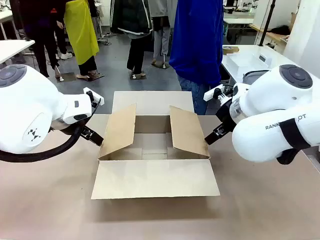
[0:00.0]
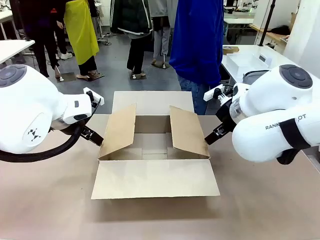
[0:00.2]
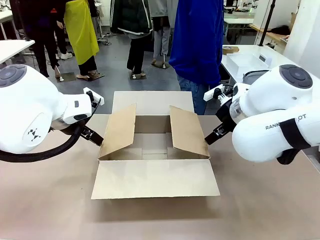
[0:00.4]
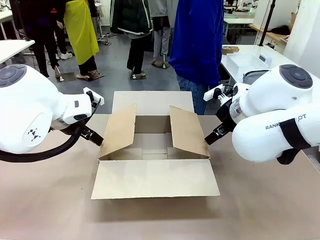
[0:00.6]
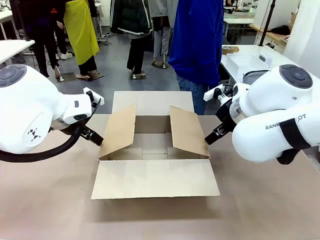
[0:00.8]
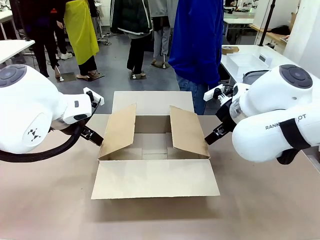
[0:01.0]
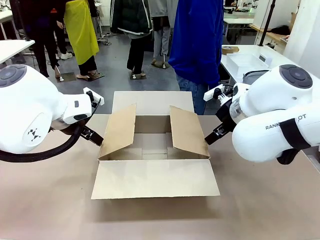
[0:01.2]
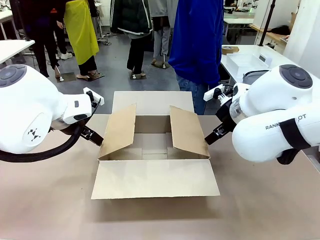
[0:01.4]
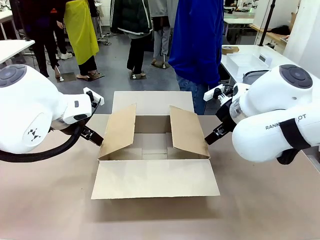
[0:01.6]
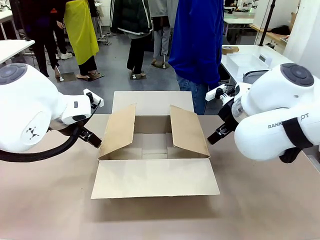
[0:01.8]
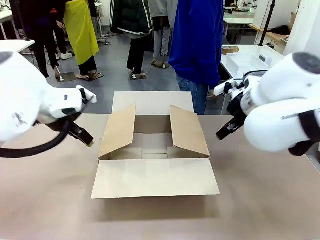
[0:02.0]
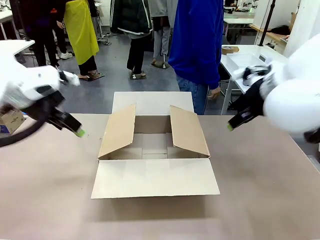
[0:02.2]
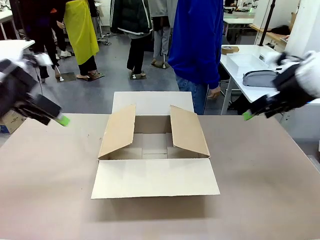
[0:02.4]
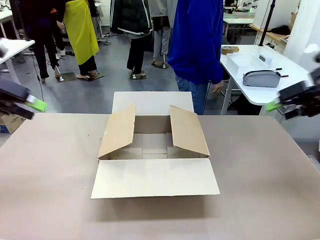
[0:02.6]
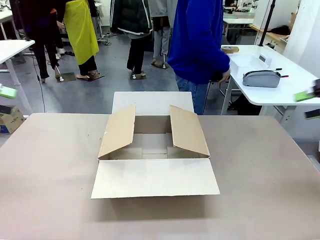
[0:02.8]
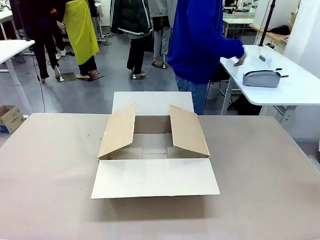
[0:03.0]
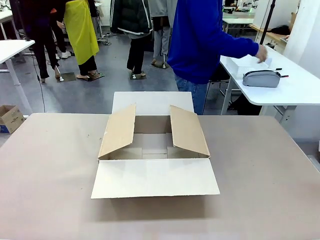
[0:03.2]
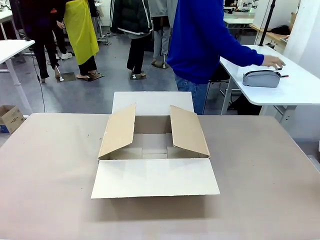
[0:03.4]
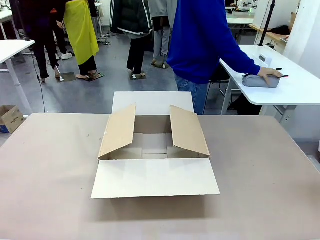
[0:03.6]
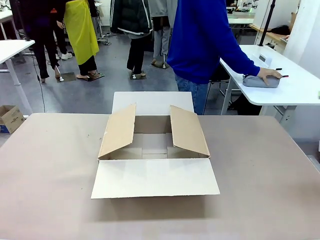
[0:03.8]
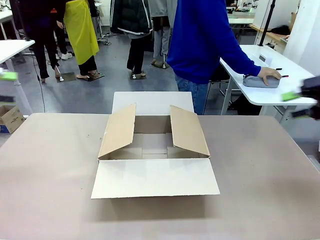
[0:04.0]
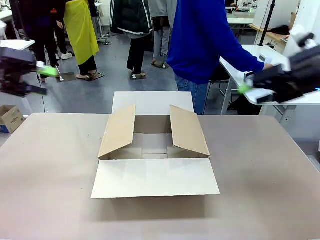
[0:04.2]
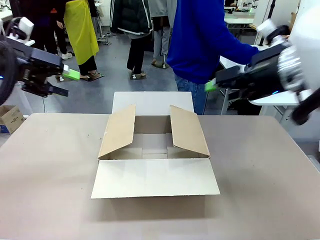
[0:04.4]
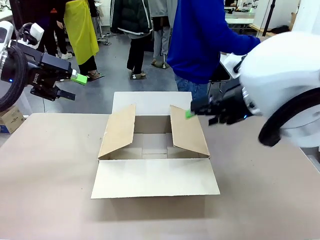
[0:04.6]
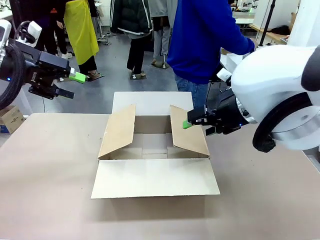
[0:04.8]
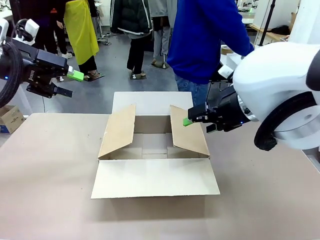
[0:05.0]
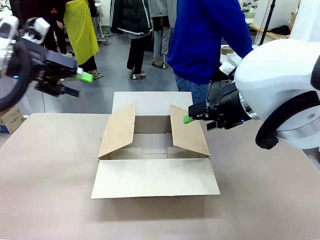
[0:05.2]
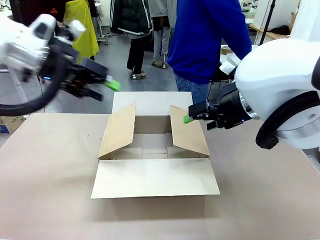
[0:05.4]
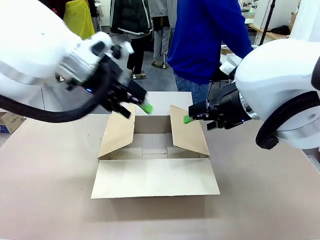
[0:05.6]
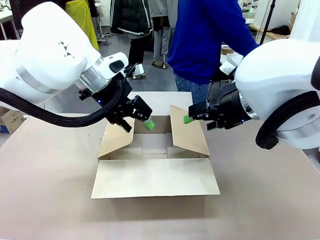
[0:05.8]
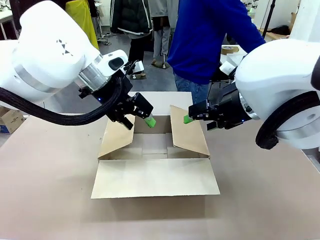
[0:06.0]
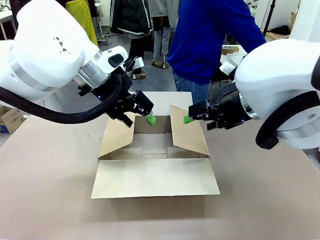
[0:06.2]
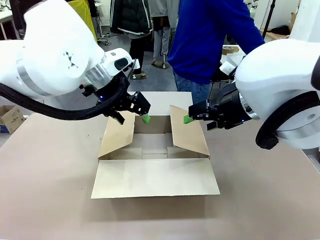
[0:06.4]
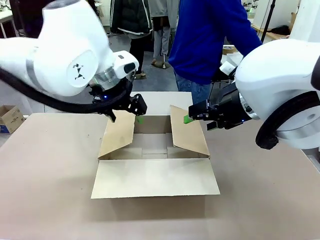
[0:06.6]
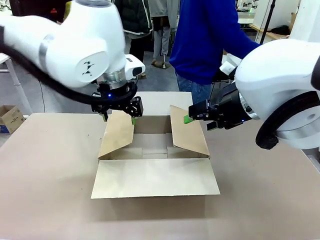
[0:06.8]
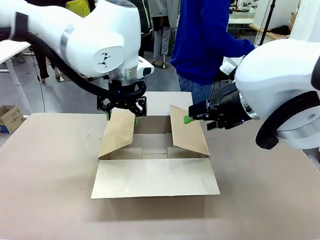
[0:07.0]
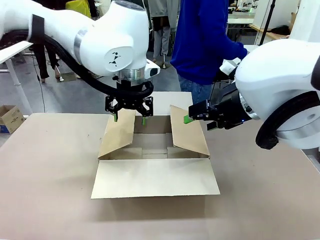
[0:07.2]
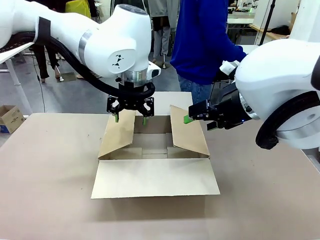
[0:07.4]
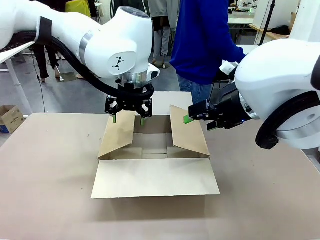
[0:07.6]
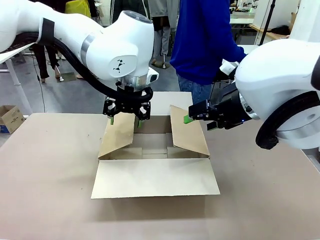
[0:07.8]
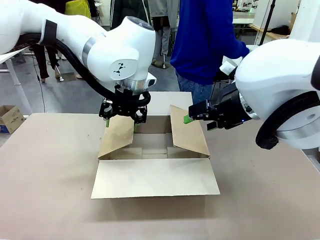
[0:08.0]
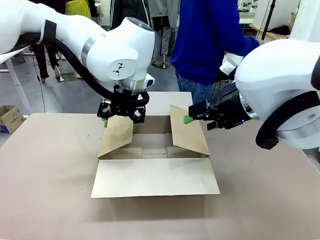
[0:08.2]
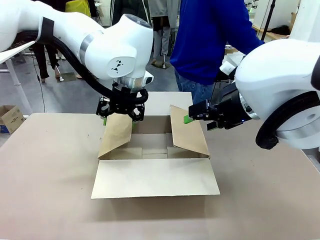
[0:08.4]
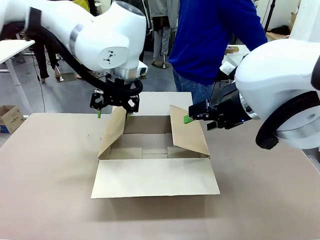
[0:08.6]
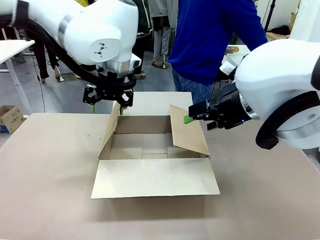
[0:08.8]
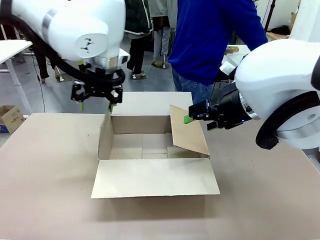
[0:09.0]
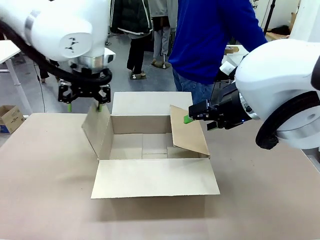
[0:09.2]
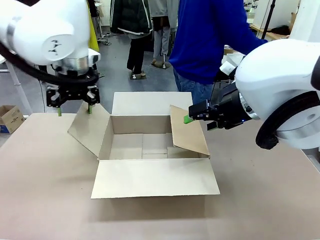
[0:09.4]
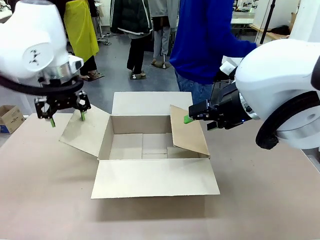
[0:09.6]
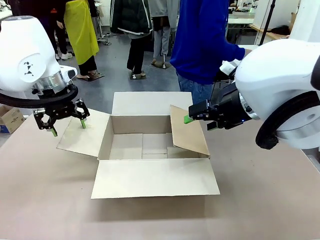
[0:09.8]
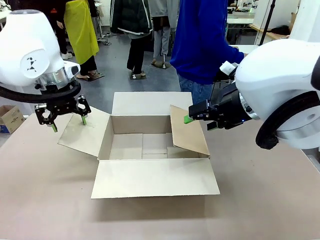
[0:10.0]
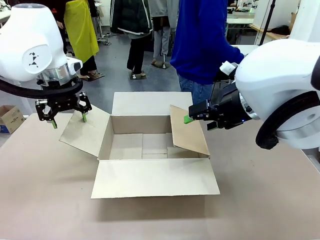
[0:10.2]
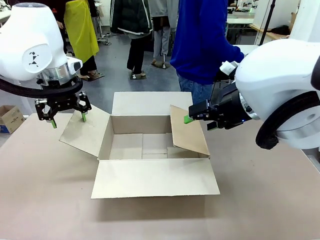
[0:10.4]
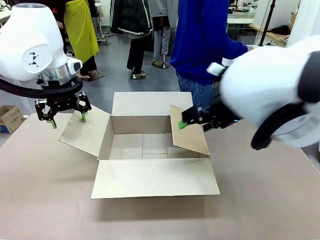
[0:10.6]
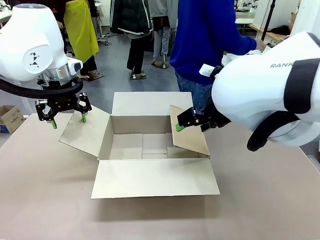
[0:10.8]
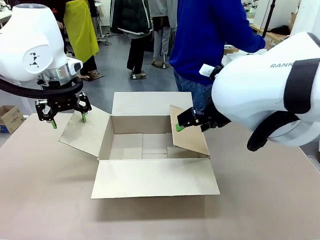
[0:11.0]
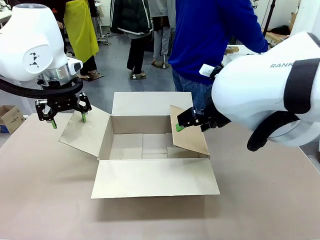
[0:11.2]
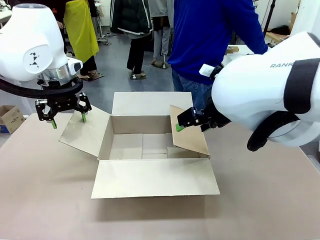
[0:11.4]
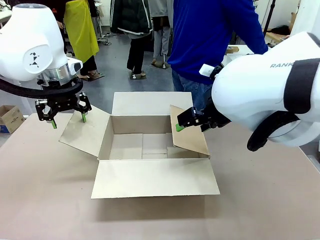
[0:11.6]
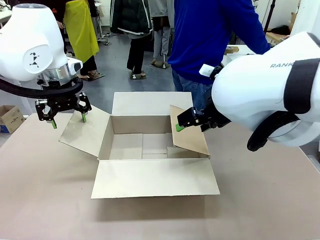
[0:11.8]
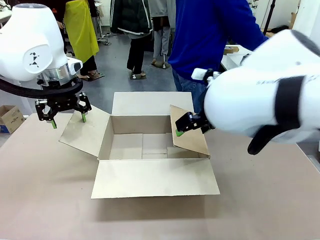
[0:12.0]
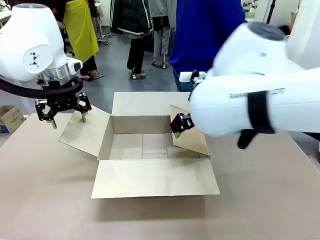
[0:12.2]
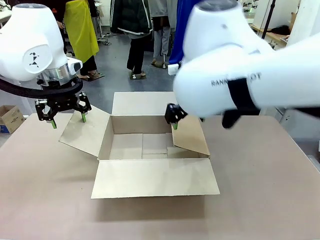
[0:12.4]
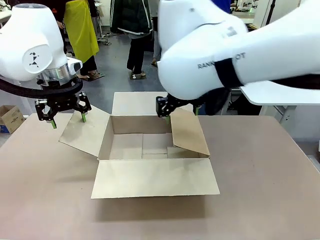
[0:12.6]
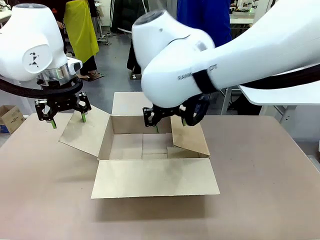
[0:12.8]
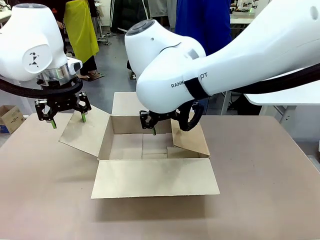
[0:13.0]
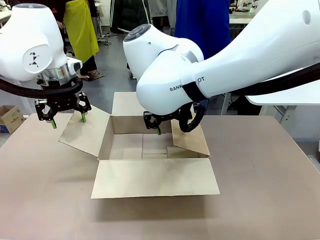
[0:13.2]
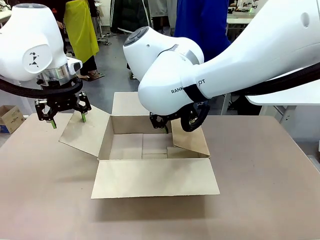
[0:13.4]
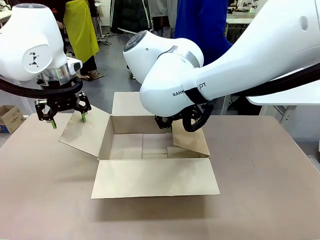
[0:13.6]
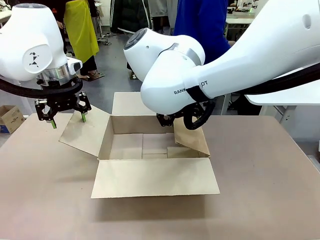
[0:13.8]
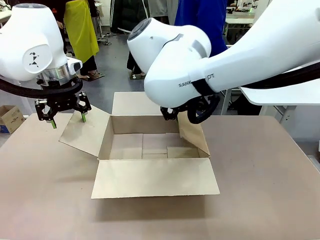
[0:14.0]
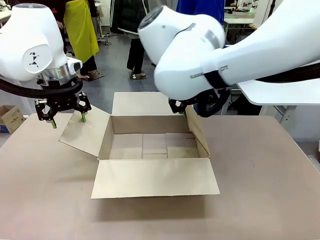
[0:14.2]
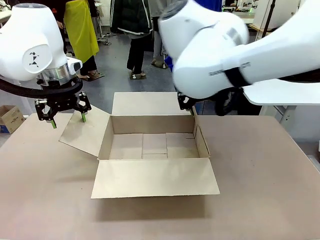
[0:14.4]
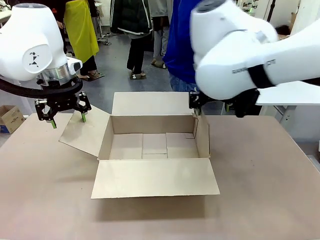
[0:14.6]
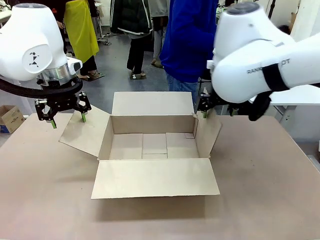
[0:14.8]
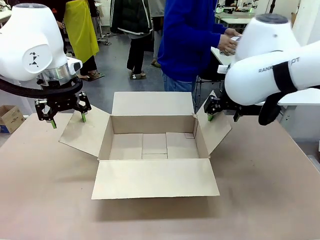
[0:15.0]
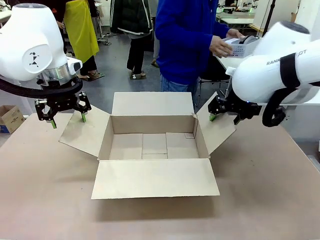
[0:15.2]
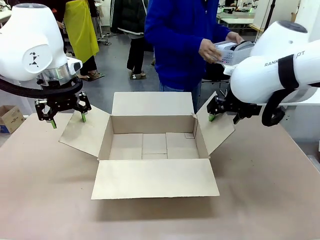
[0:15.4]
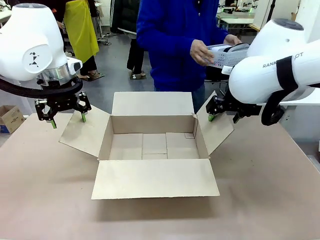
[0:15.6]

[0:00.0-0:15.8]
Task: Pack the gift set into the box.
Robot: Place both hands on the side flaps of the Package Box and spread them outward.
Person: The human places all items except the paper tape into the organizing basket.

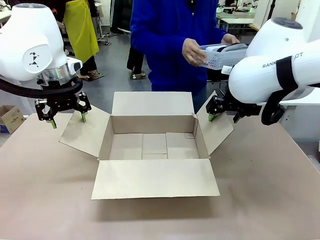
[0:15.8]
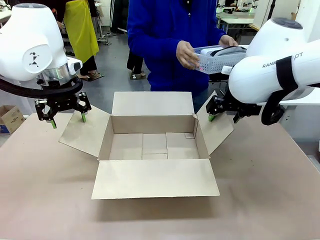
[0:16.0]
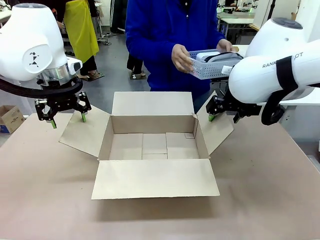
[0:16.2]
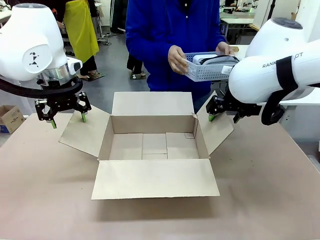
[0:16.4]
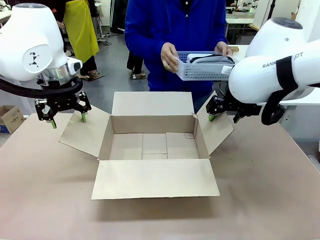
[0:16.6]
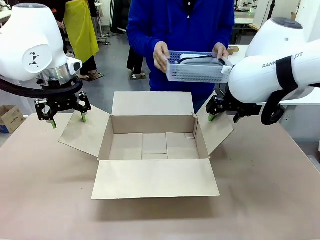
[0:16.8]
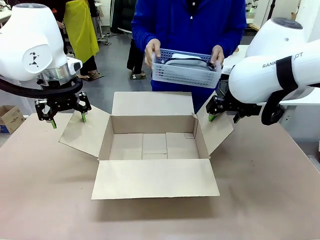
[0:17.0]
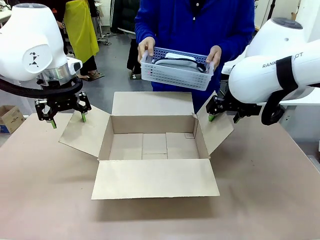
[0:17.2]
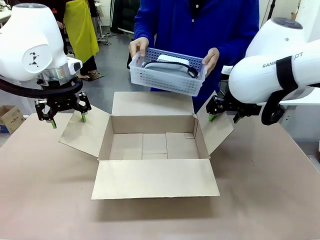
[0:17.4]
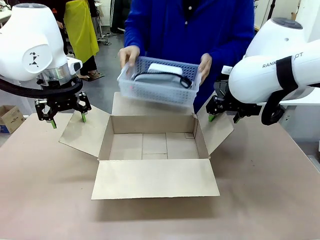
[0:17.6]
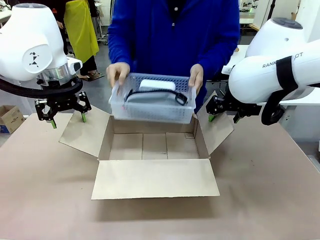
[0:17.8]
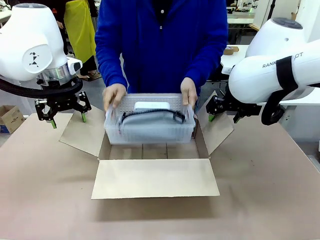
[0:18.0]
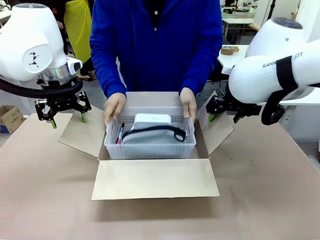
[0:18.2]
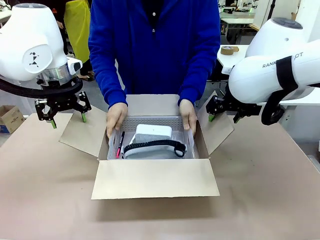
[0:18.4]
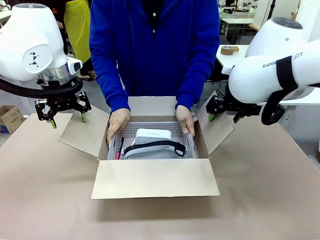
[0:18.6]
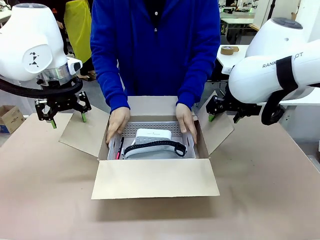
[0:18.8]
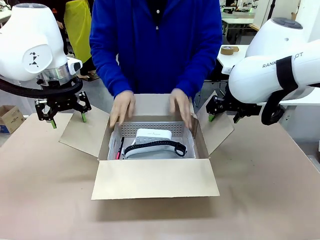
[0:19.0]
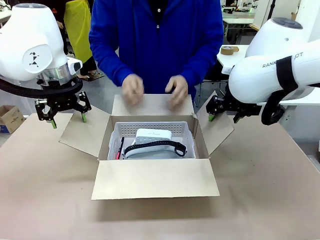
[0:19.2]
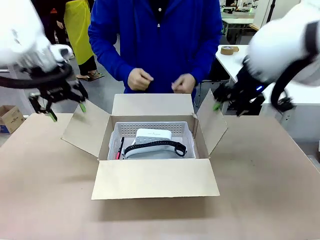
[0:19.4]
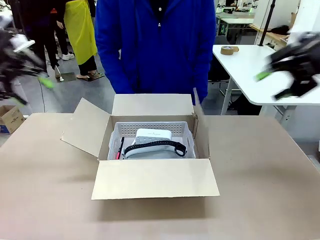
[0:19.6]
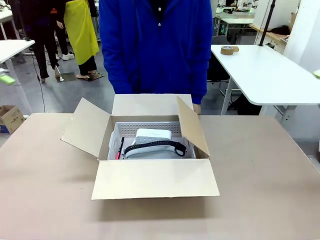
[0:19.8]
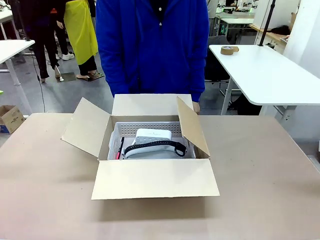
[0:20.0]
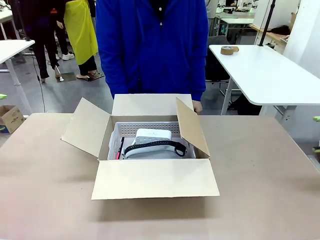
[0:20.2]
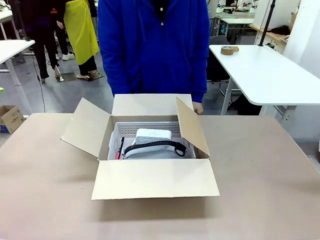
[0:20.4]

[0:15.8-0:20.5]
Robot: Lift both hands away from the flaps of the Package Box.
Person: The human picks up the organizing basket and places the organizing basket into the package box on the robot table.
